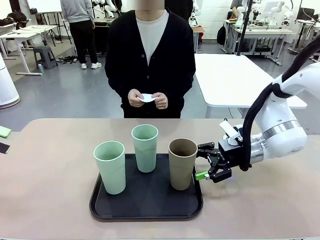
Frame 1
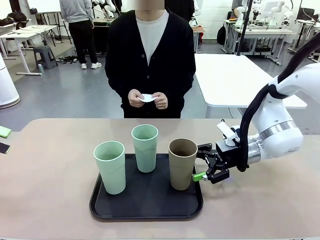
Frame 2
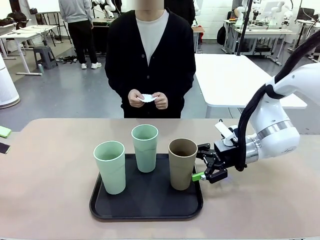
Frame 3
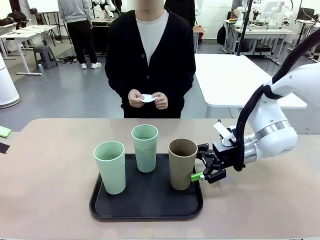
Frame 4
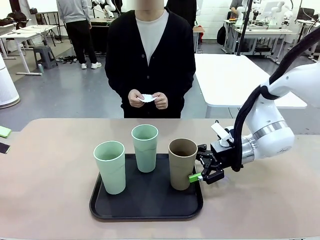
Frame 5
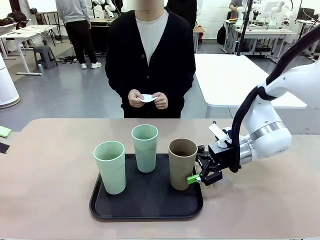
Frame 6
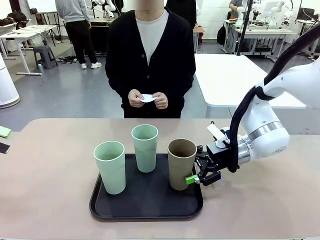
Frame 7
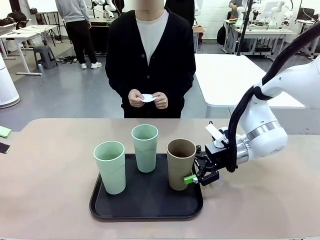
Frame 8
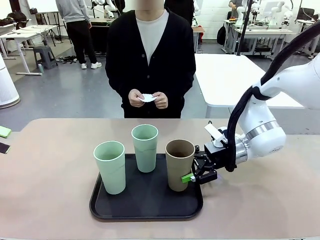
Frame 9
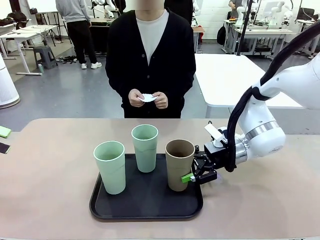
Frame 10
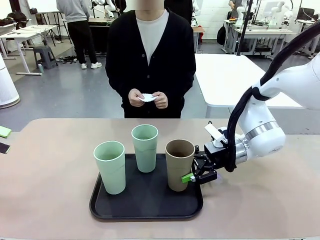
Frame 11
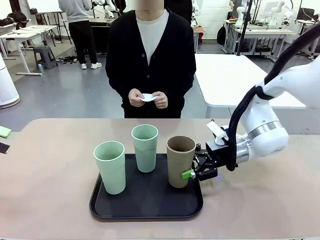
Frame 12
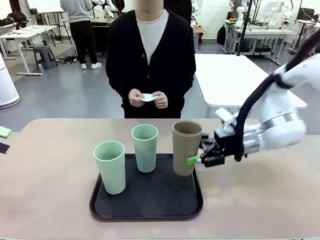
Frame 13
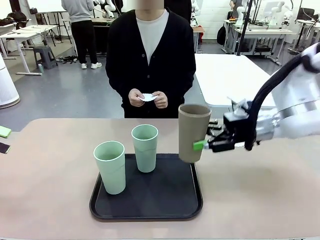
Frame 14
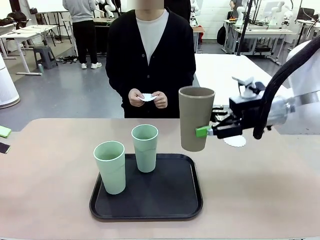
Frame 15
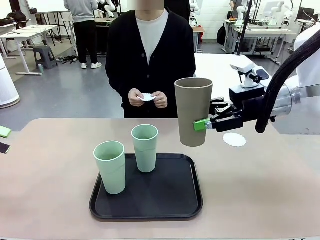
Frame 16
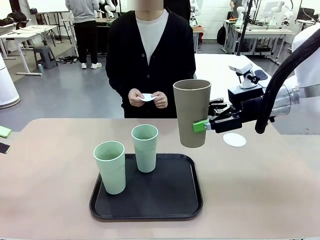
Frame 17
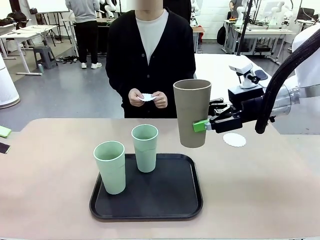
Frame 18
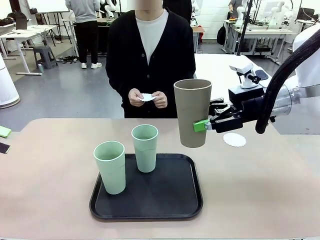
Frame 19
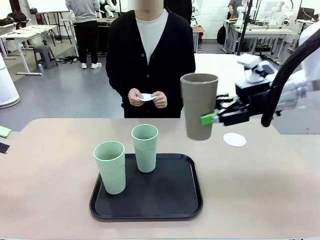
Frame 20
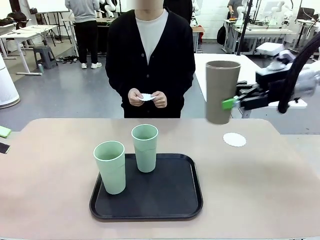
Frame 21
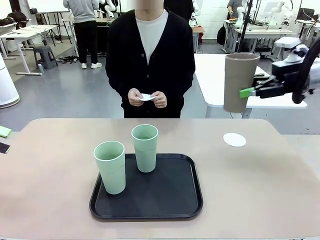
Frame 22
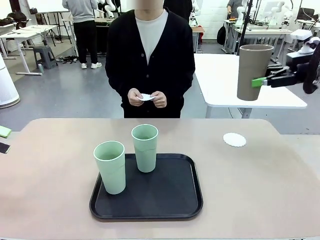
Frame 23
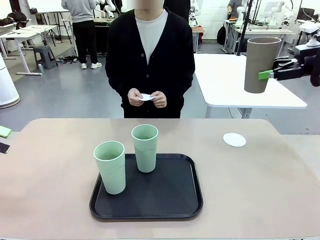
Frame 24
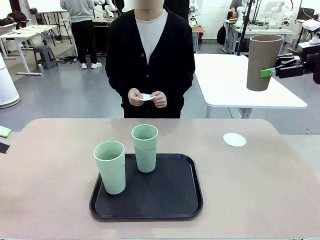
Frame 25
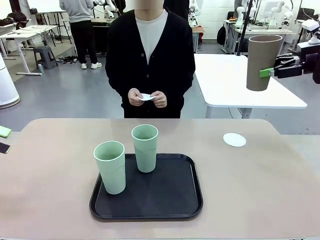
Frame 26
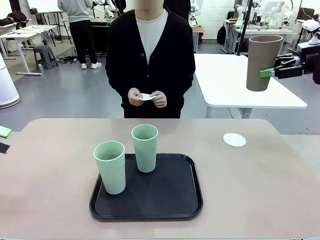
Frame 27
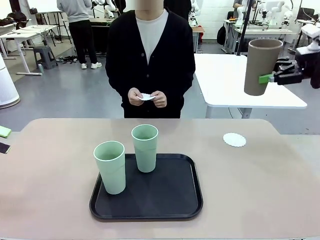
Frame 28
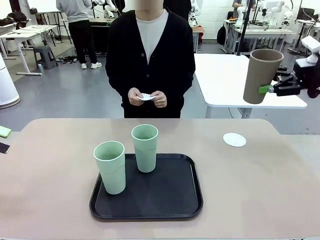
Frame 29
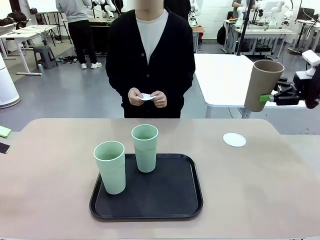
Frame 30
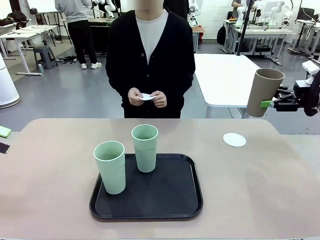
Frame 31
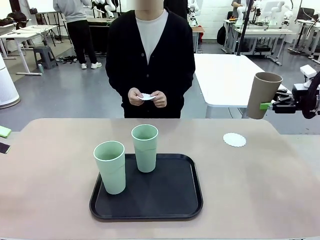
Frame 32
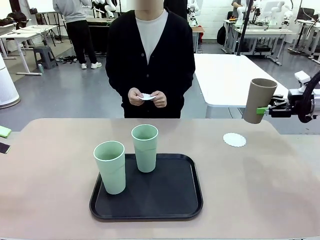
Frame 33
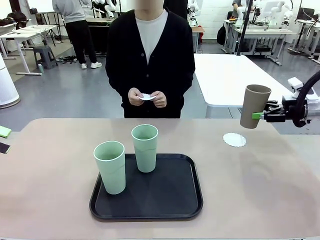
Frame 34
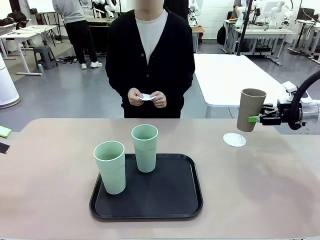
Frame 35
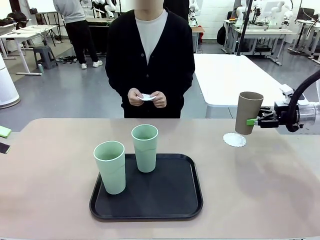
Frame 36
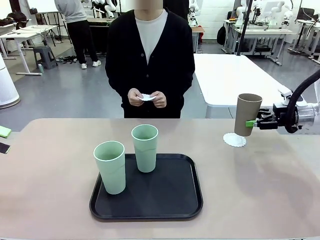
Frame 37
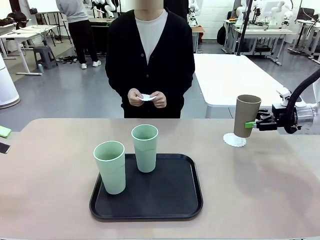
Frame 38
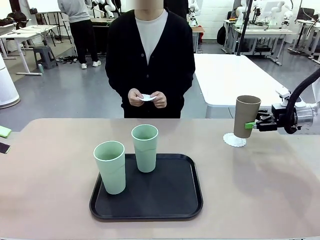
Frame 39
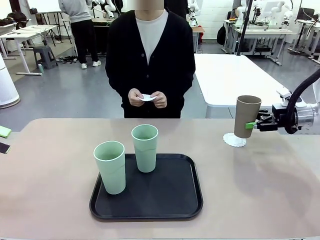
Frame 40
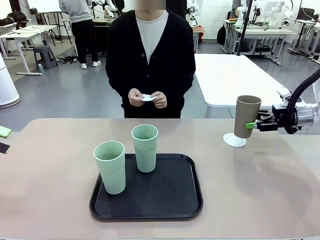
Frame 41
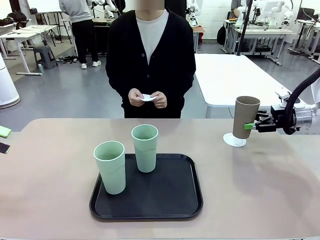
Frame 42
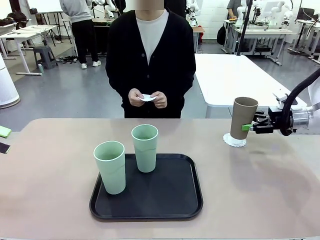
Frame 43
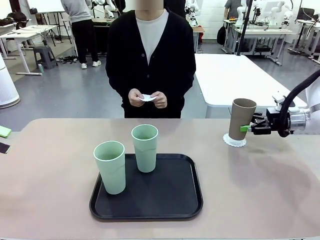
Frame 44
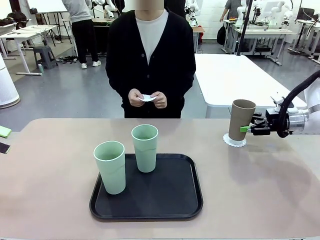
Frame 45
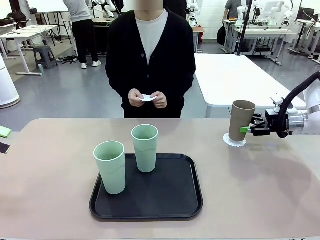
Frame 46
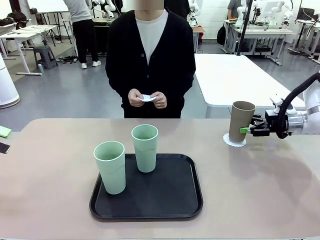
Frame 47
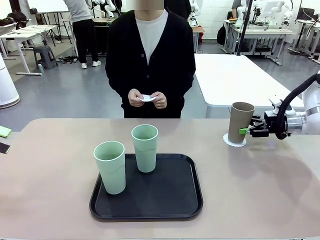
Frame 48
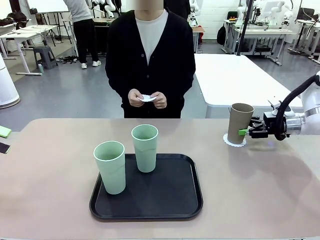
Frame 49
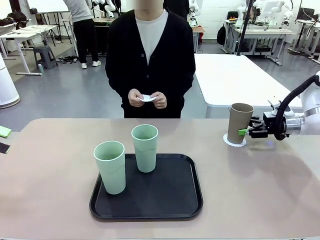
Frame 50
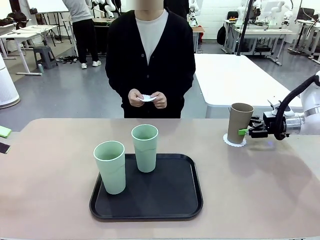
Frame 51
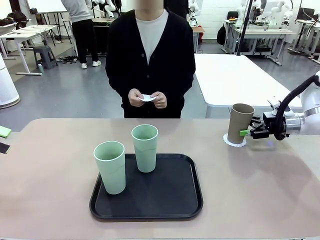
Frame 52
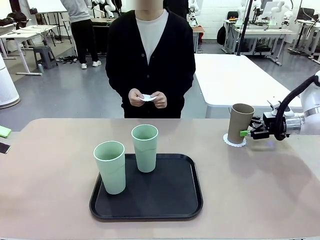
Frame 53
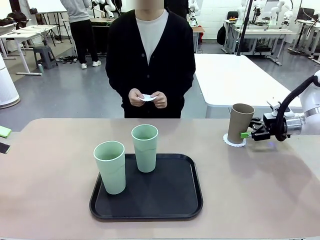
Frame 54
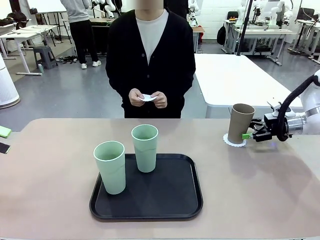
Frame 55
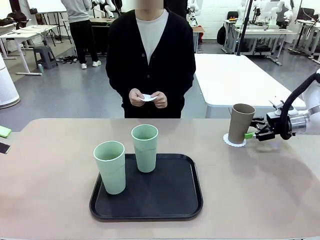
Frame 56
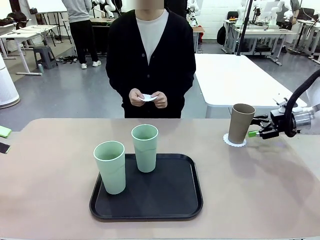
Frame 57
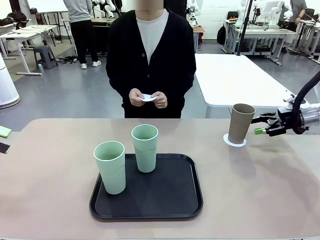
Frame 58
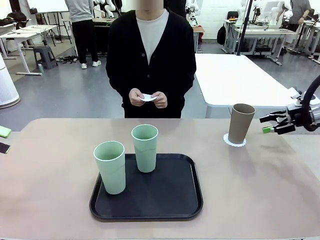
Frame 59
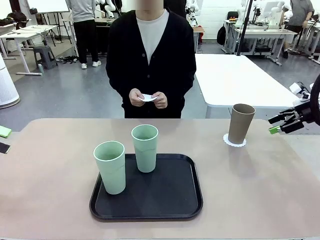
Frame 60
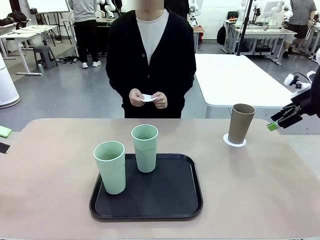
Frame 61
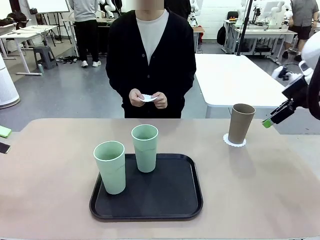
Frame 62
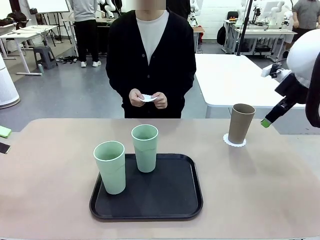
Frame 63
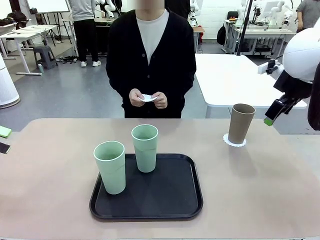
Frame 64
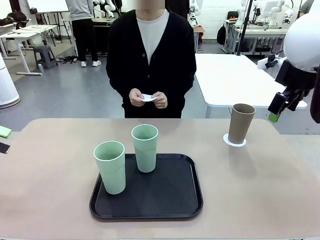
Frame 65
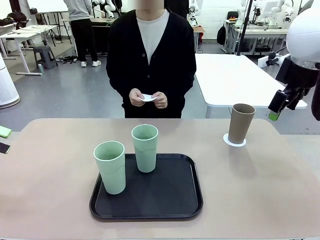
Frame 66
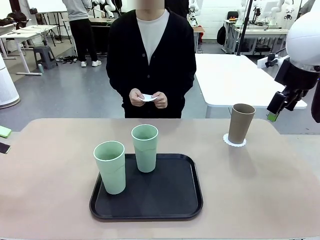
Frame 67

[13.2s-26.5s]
Task: Place coasters on the table and set cups on them.
Robot: Pick up one Reusable plastic cup and place it on a coaster set by the human.
Person: Place one coaster in one of the two areas excluding the previously selected area.
